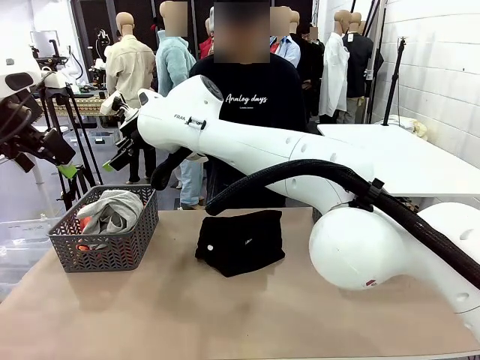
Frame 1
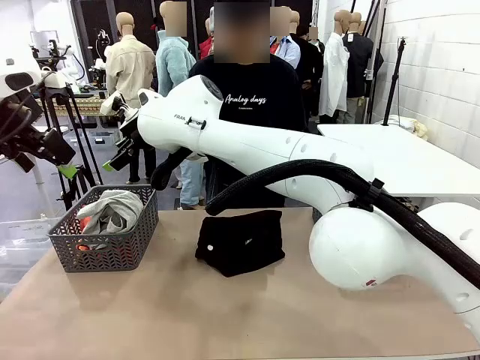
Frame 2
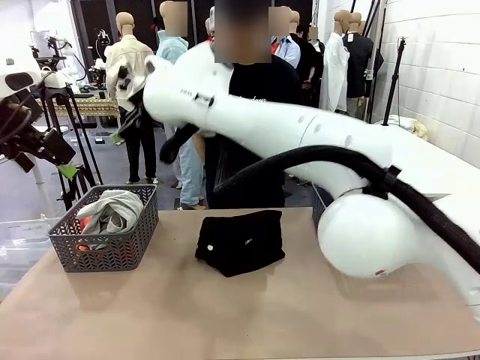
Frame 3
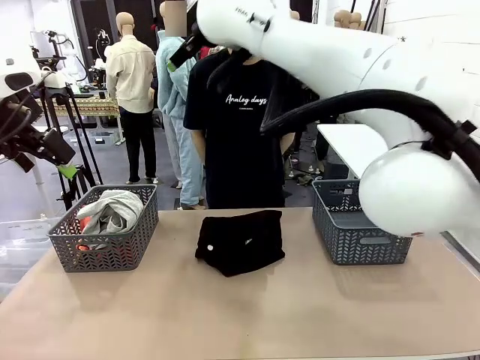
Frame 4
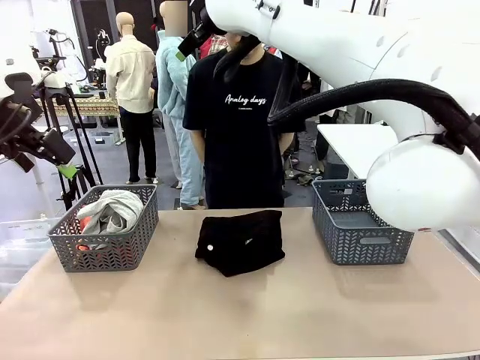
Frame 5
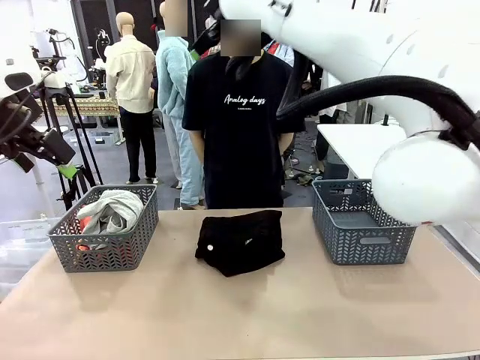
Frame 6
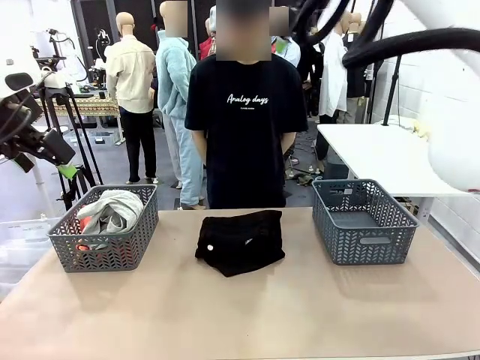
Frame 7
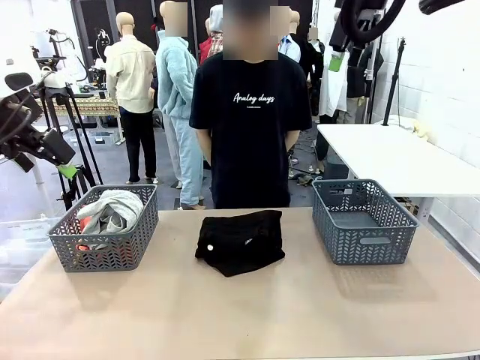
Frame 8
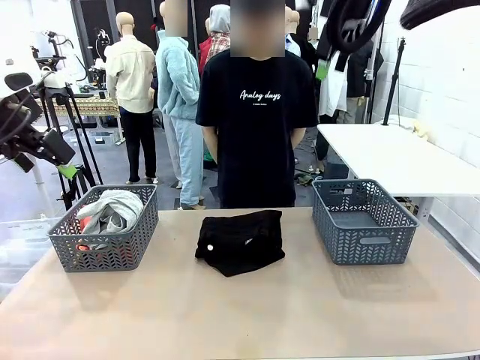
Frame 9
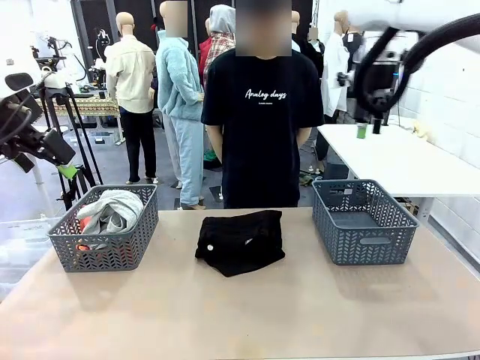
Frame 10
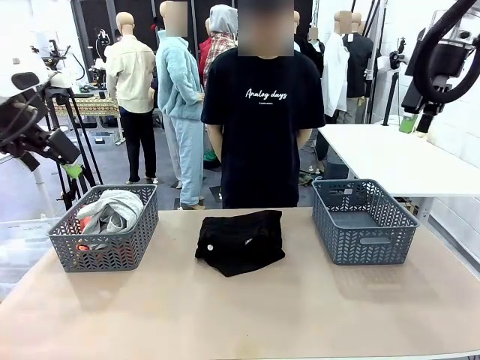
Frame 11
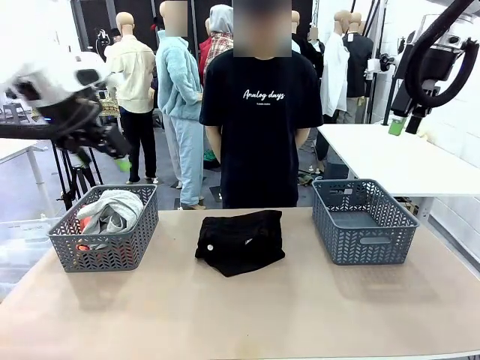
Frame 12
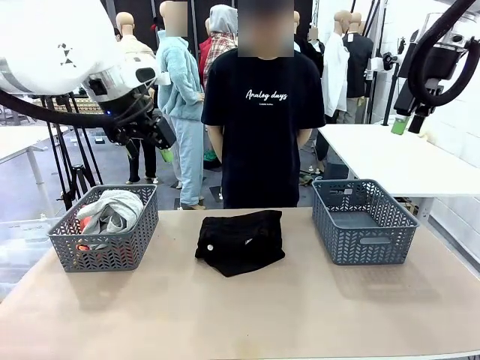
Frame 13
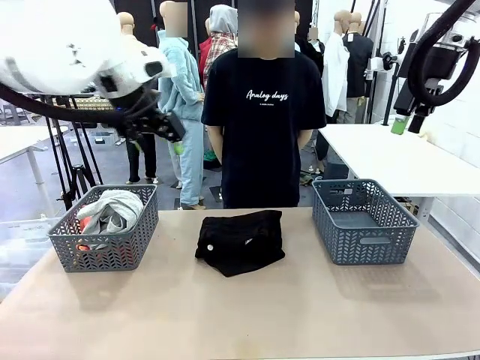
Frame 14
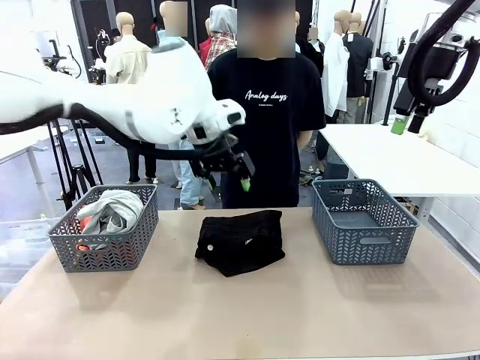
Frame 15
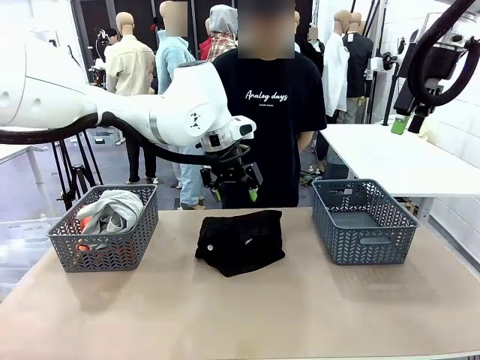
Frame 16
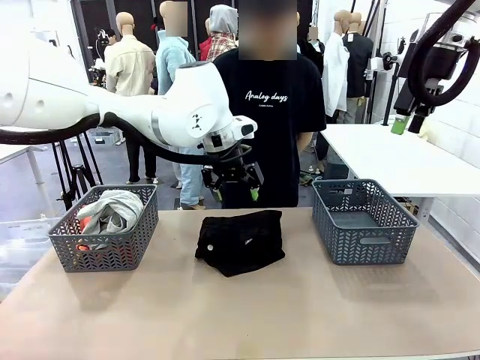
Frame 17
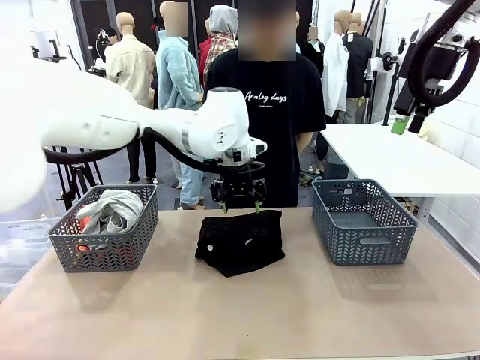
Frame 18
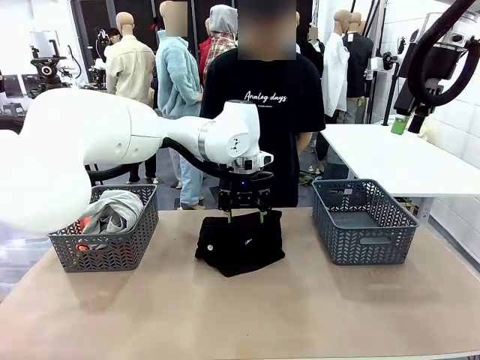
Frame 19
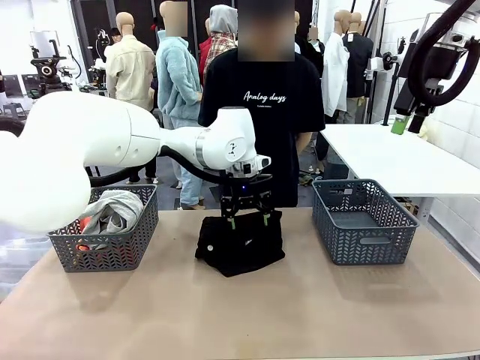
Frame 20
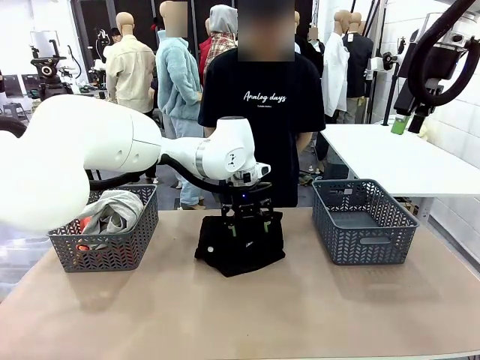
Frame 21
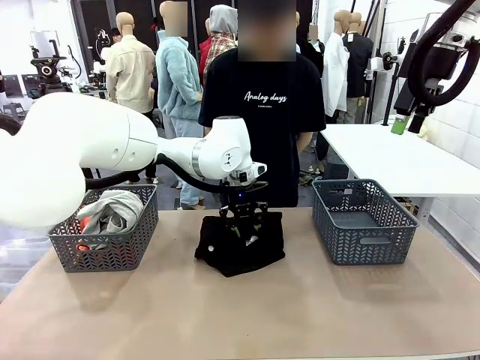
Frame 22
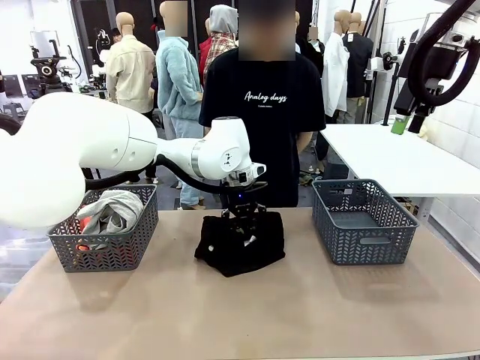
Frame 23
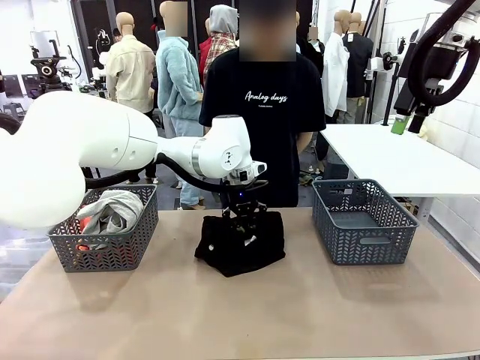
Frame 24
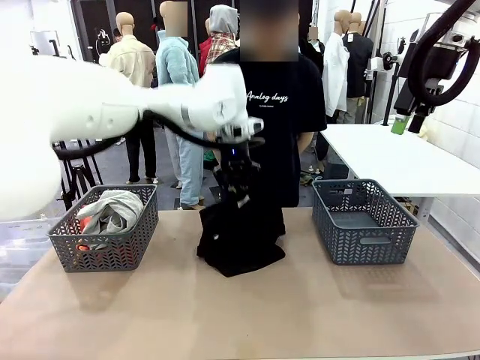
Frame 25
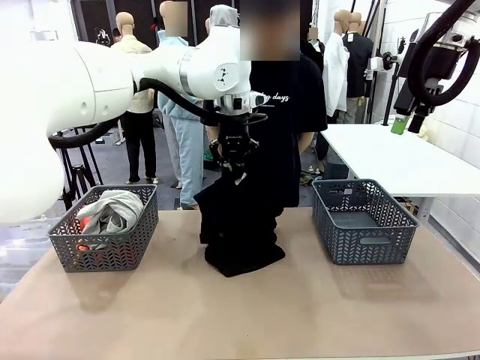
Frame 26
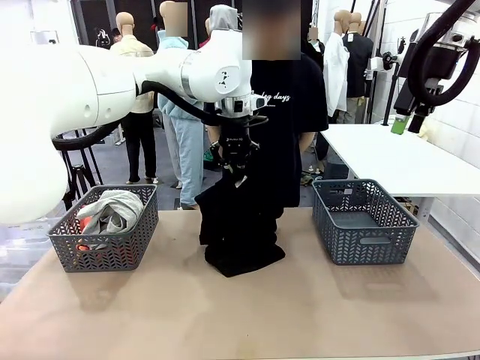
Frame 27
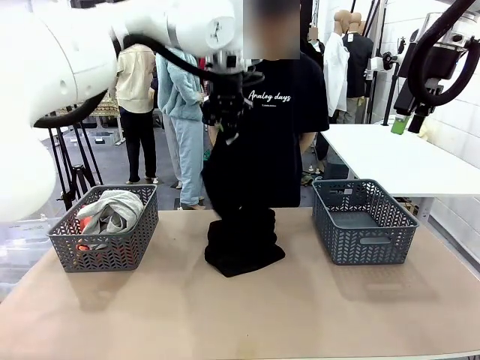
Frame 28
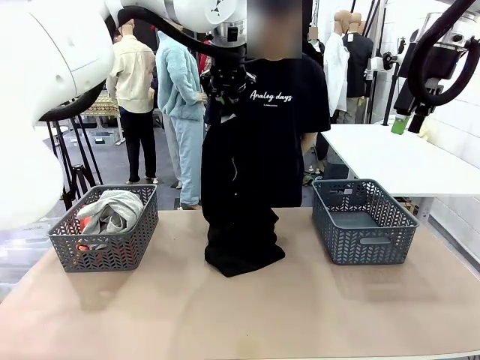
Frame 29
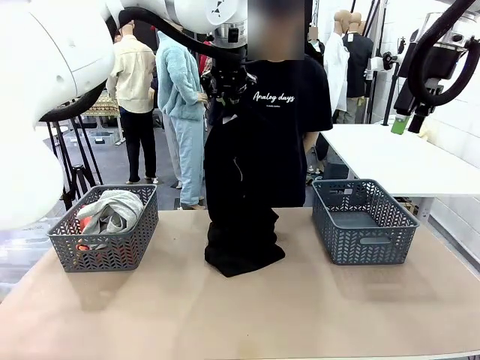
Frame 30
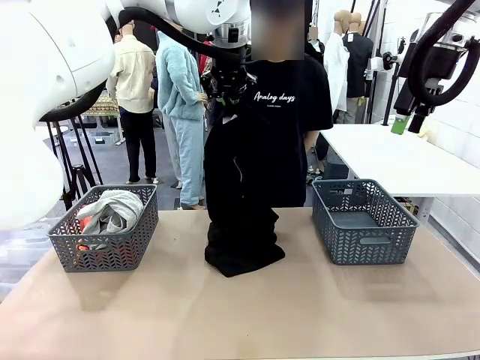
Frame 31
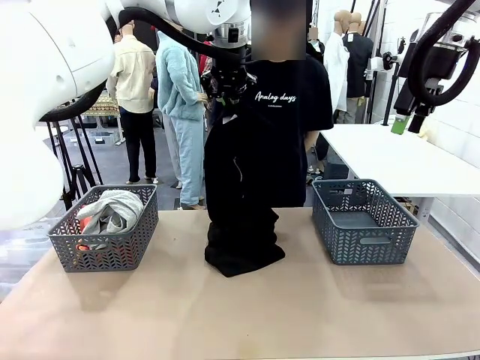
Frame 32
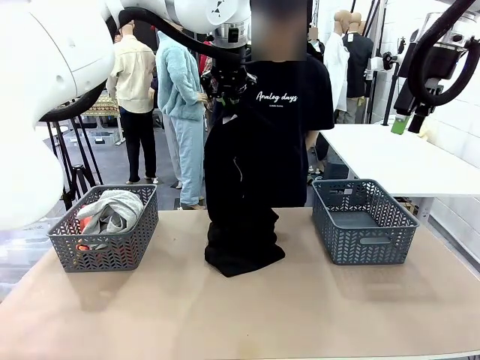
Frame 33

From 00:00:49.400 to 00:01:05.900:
Task: Sort the tops and bottoms.
Robot: Lift clothes from the center of the table with your left hand.

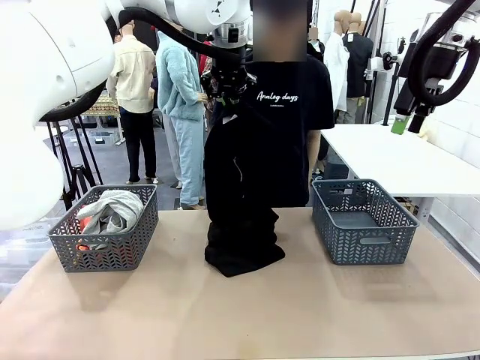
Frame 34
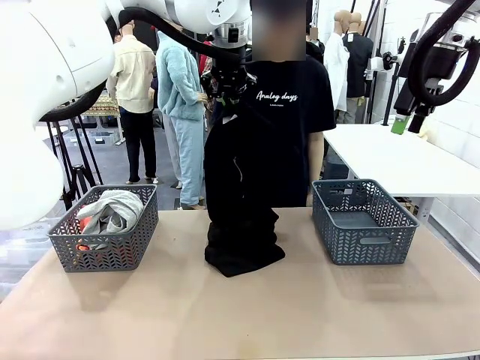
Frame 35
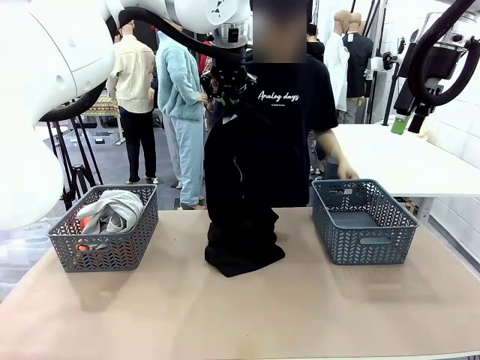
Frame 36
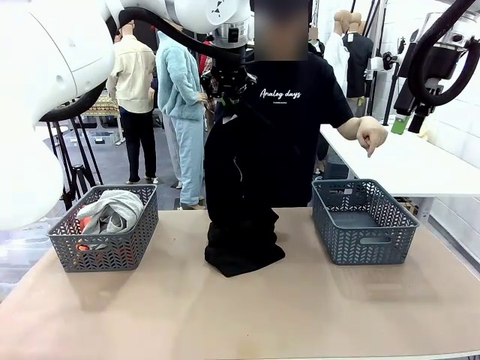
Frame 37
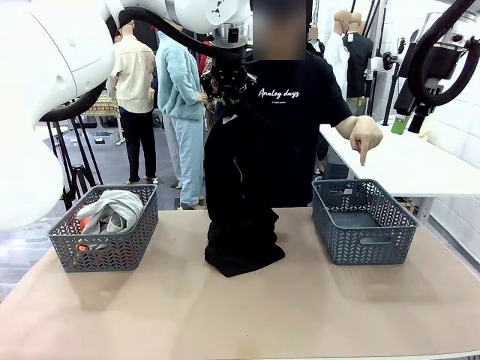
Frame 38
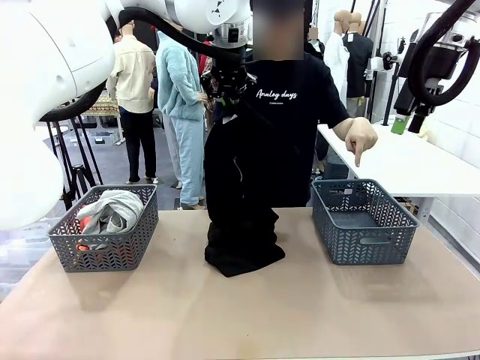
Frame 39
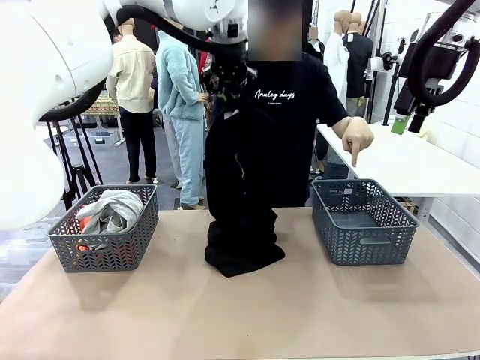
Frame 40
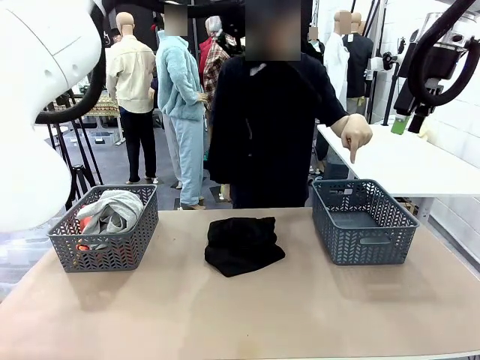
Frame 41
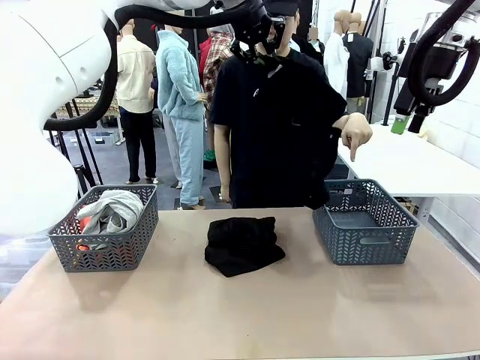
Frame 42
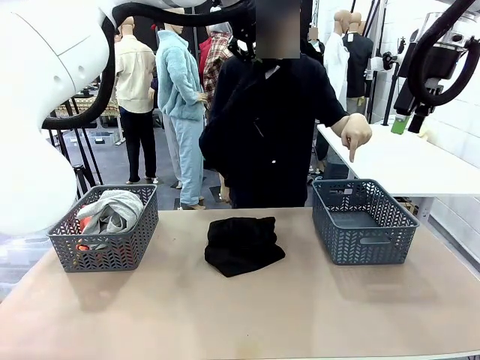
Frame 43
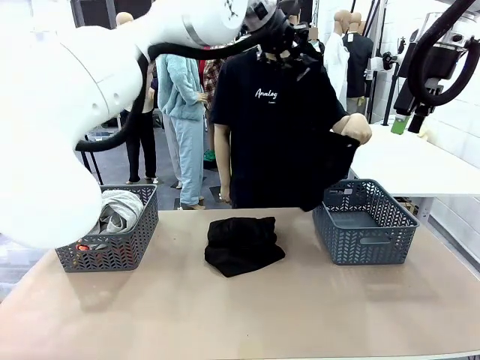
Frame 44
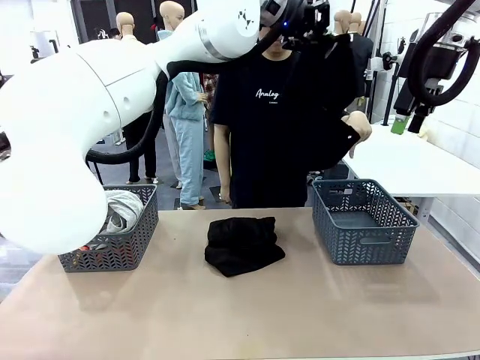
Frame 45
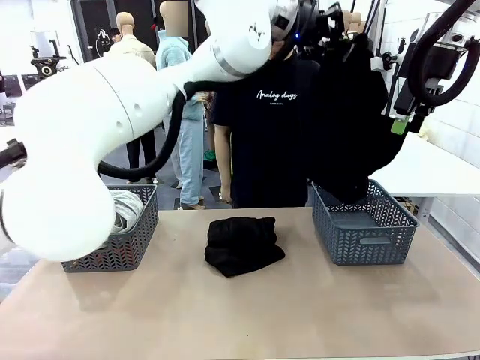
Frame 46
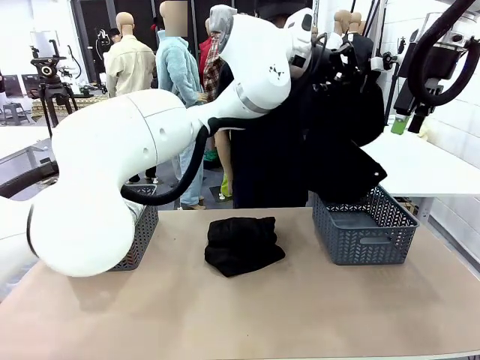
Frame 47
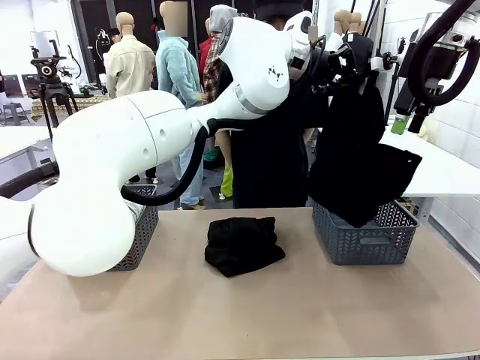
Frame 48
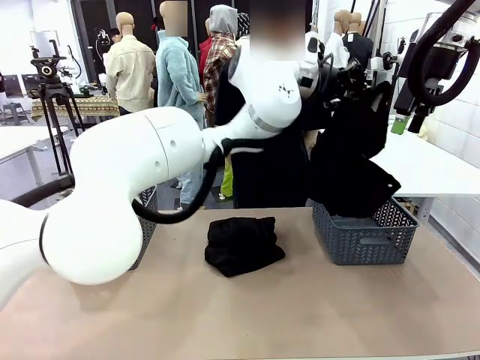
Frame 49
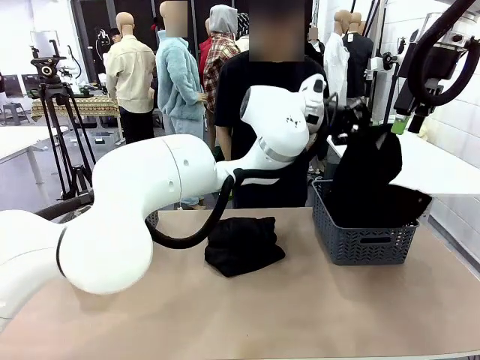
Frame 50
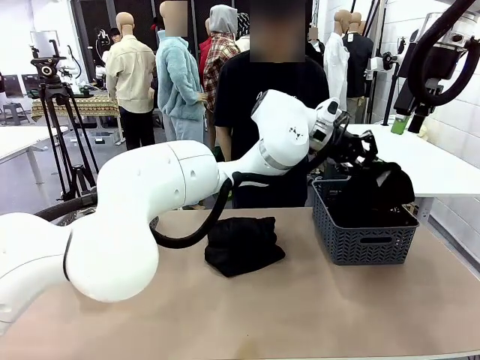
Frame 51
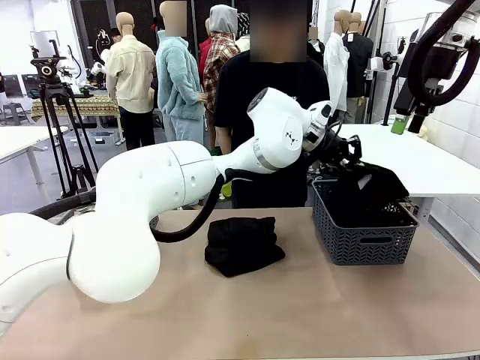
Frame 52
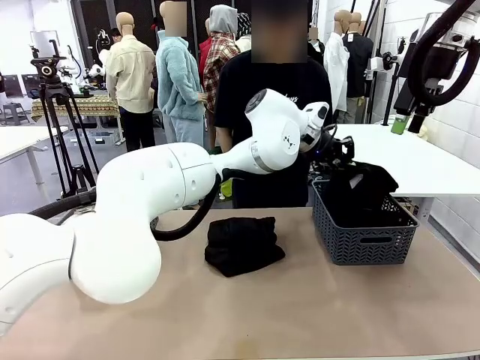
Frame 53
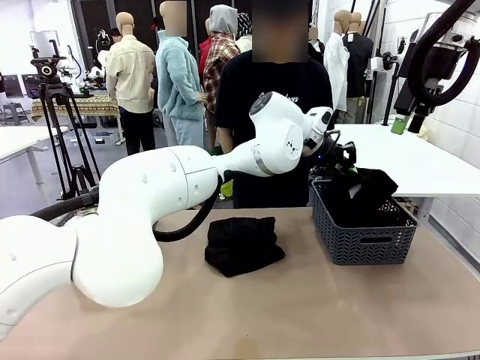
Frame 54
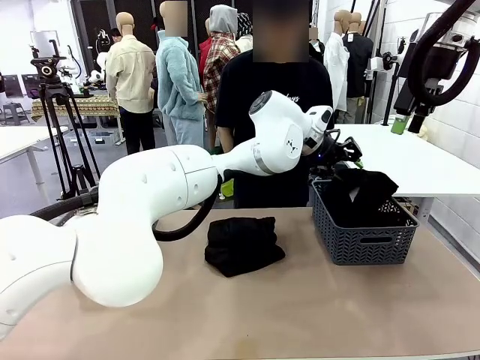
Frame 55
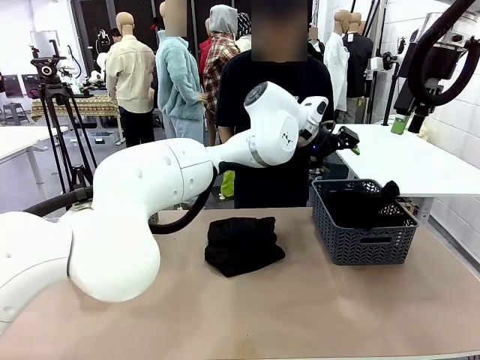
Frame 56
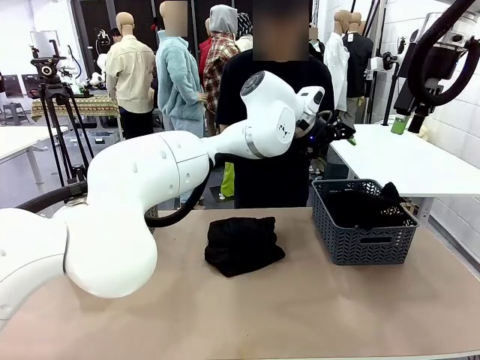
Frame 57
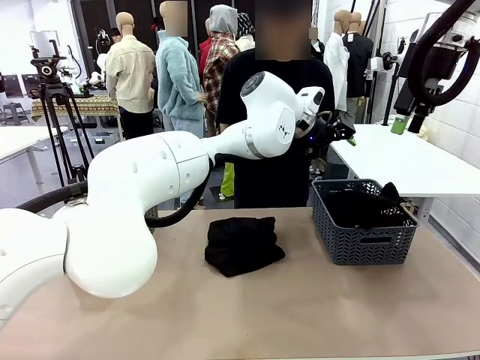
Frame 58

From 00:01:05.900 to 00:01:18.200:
Robot: Sort the clothes according to human instructions.
